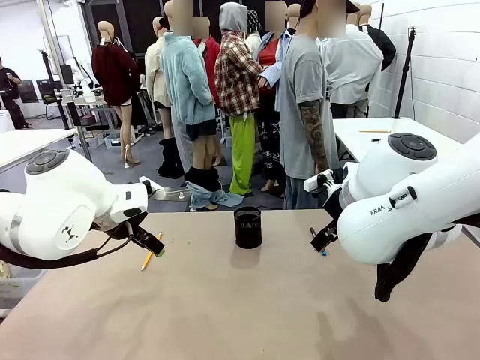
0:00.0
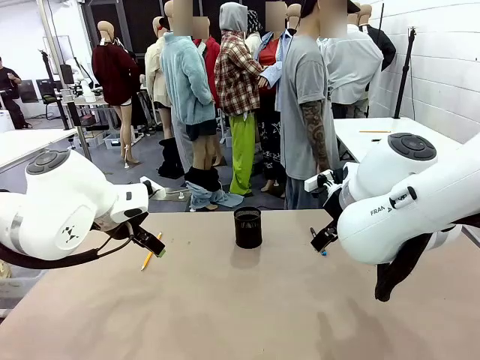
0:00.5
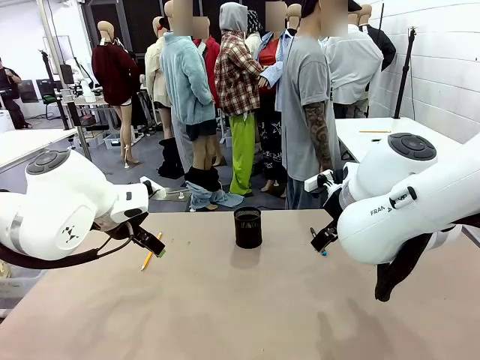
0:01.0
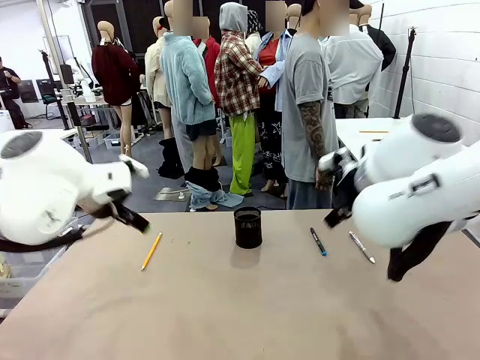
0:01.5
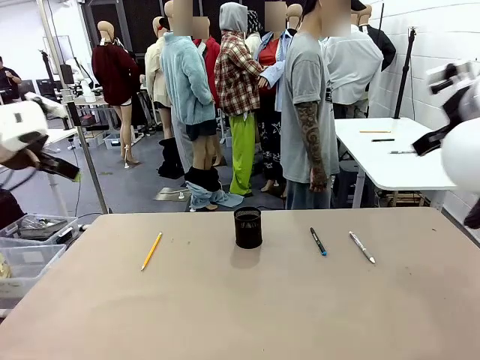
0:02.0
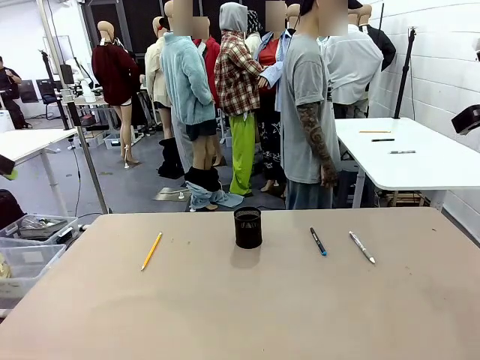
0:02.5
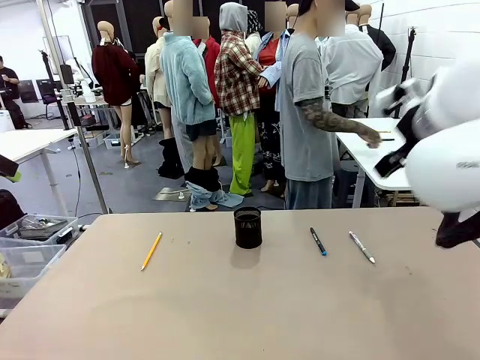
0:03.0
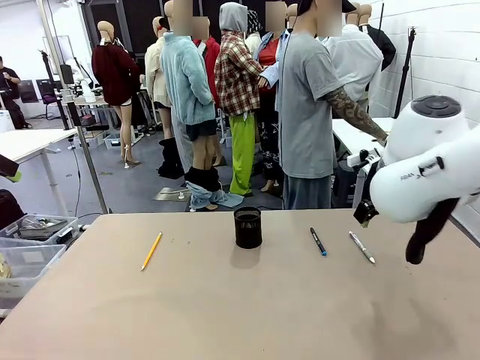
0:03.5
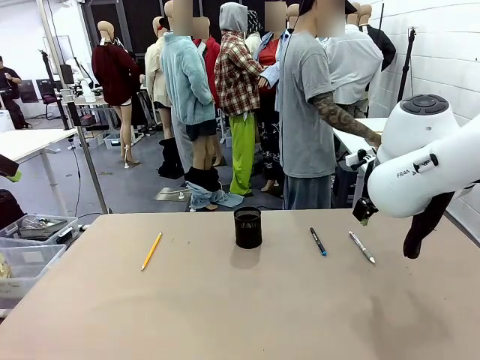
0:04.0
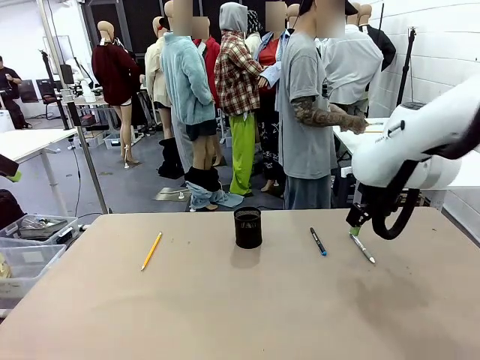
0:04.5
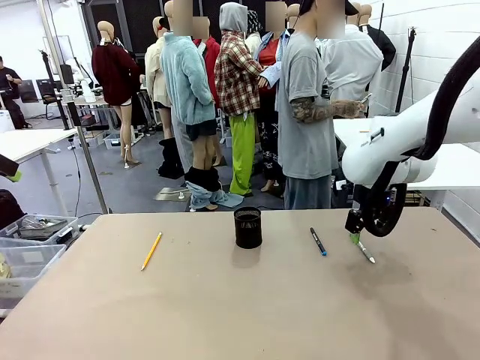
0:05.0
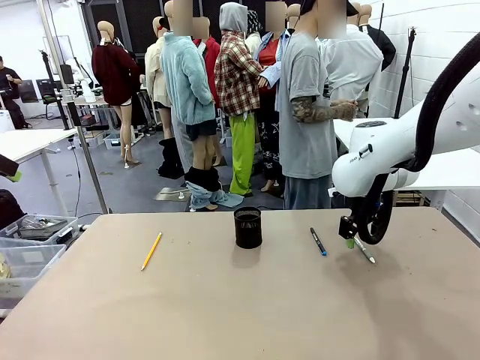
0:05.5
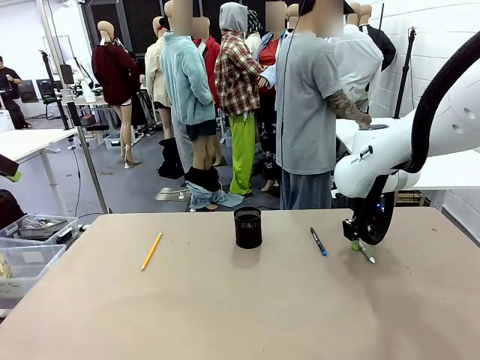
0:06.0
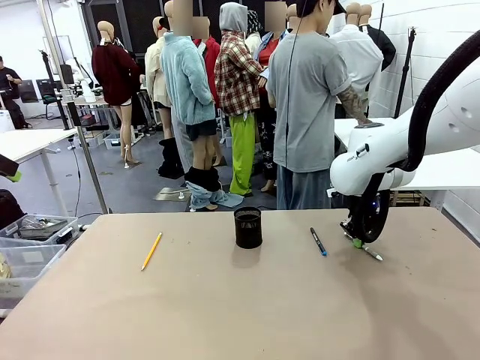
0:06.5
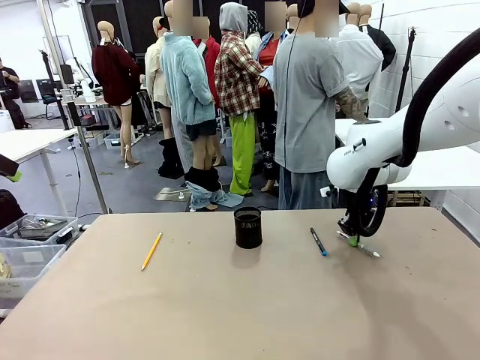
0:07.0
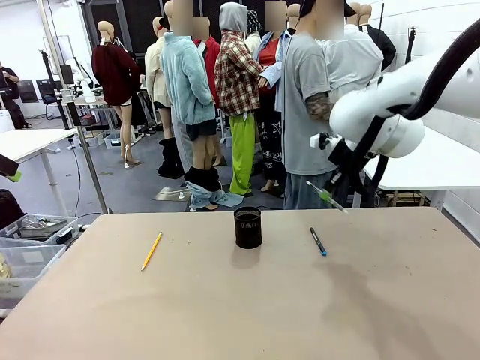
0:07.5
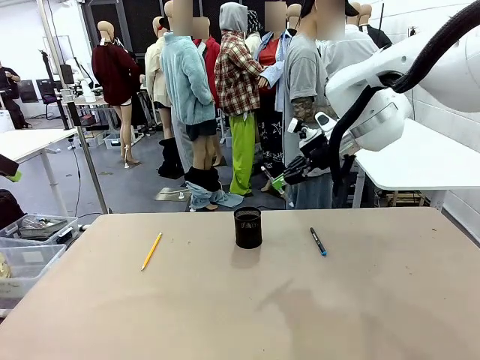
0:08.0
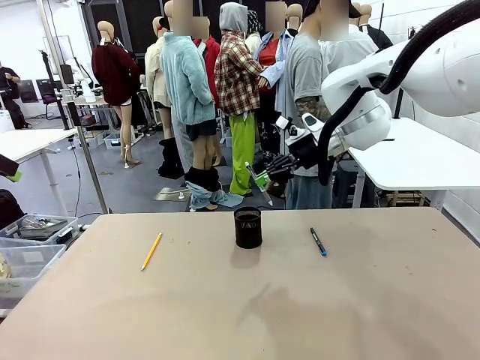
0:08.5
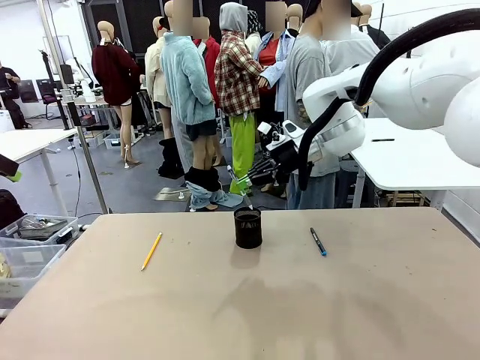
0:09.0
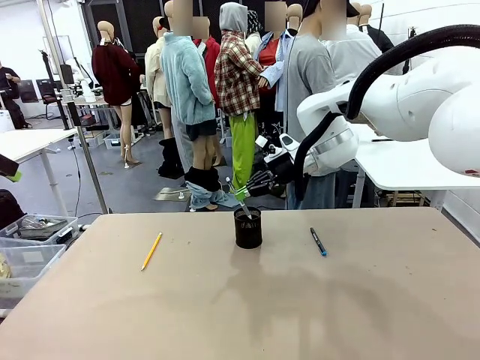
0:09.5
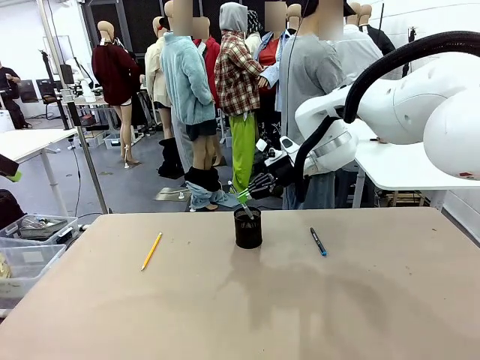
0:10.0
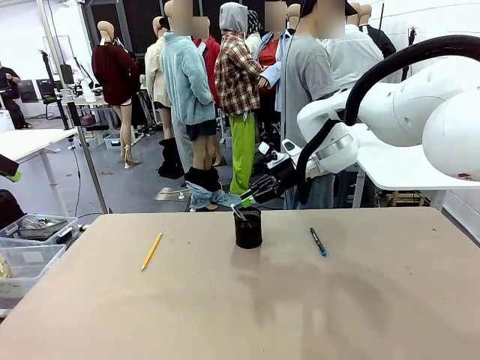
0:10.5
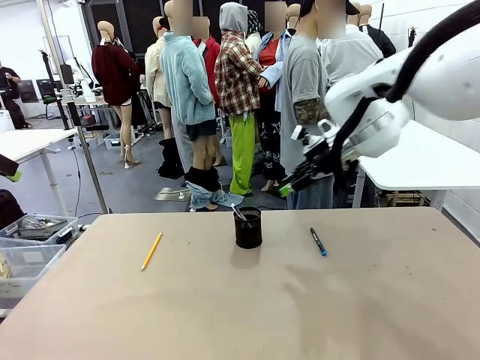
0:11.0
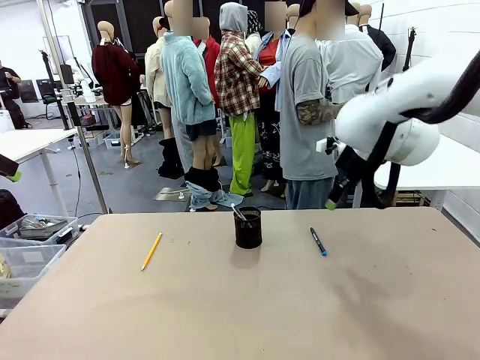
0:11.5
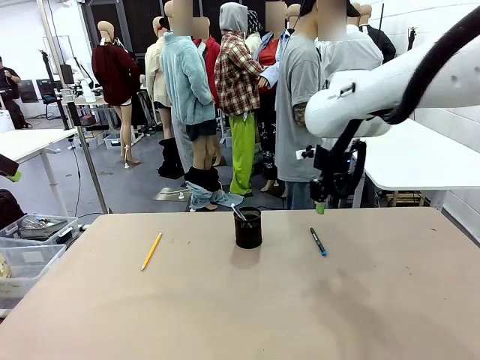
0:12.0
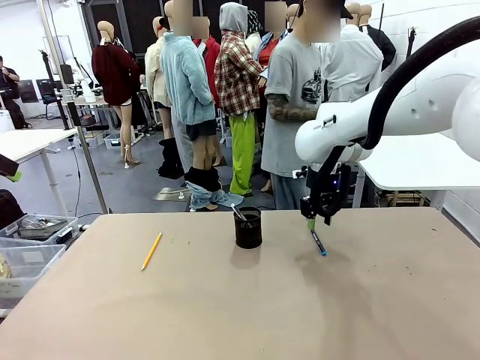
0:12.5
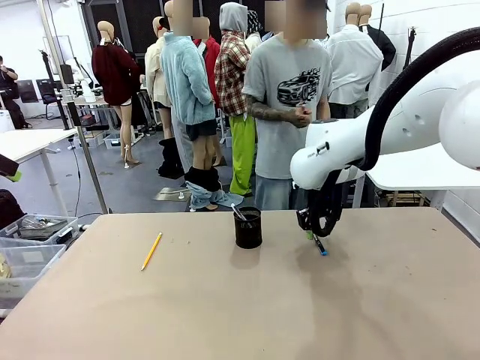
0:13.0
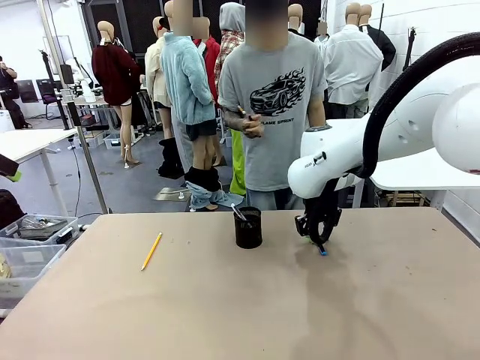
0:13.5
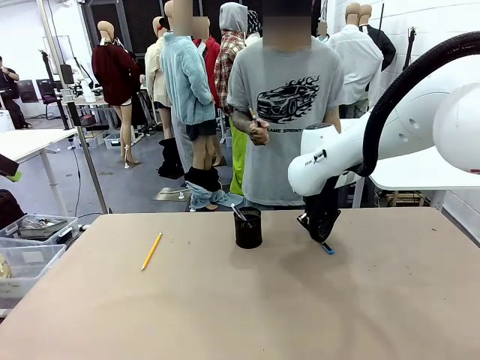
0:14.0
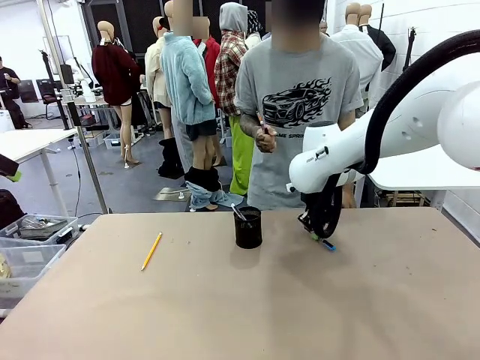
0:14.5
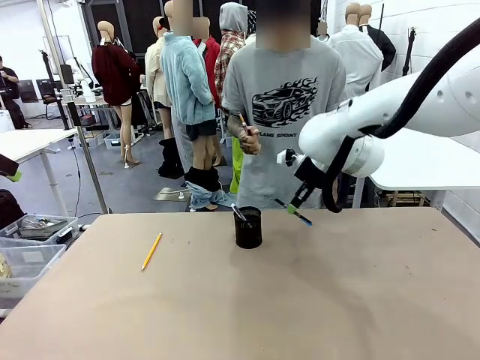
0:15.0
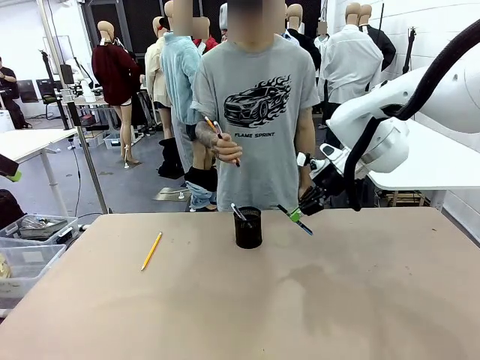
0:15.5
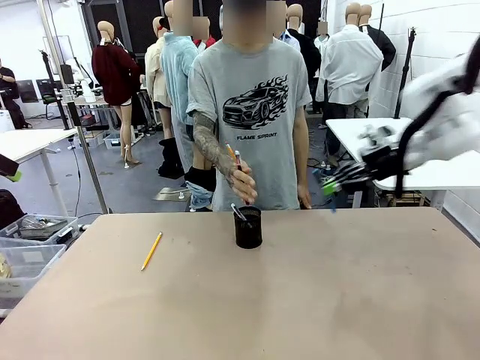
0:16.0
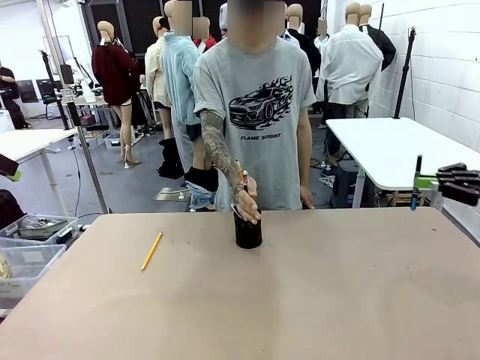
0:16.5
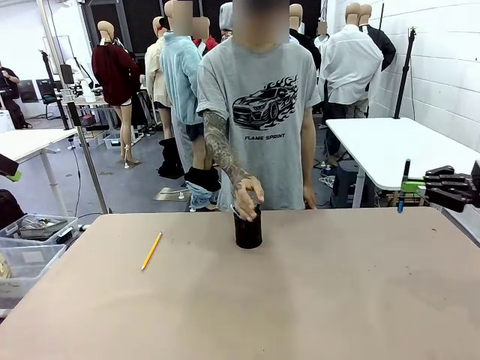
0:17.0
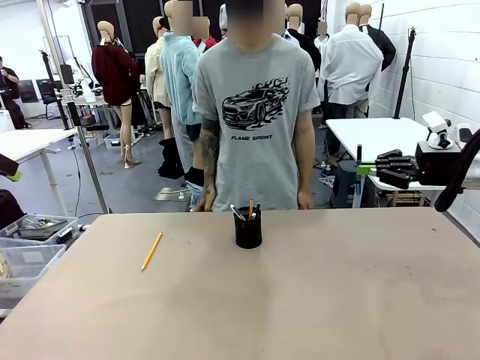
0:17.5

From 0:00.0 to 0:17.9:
Task: Place the pens into the pen holder.
Robot: Pick up a writing instrument from the table and place it into the Pen holder.
Person: Pick up all writing instruments from the Human table.
